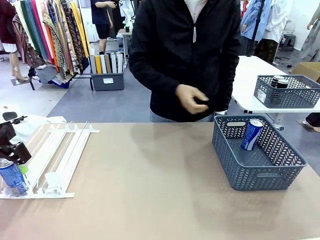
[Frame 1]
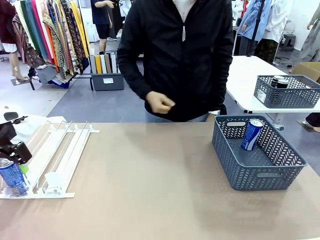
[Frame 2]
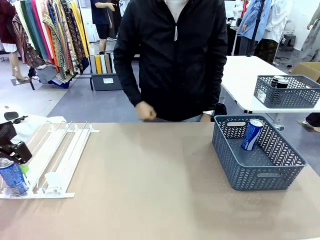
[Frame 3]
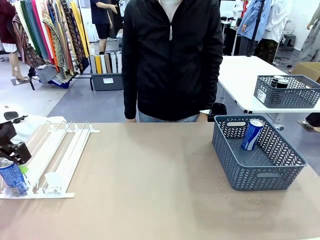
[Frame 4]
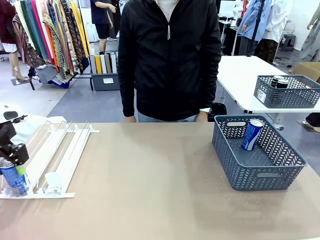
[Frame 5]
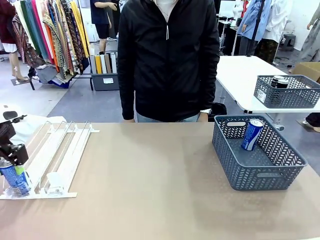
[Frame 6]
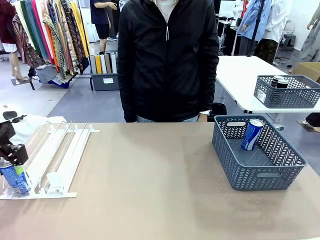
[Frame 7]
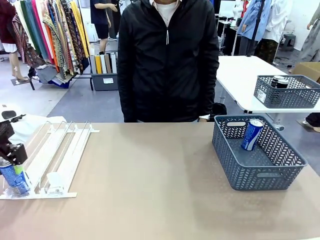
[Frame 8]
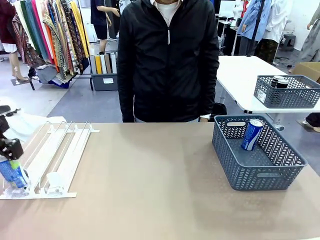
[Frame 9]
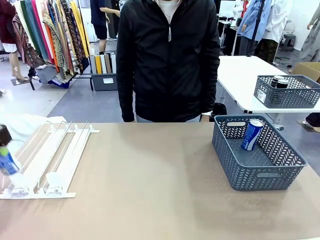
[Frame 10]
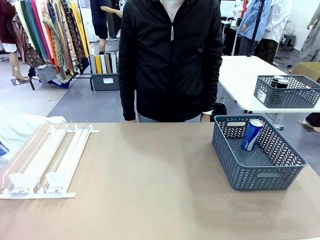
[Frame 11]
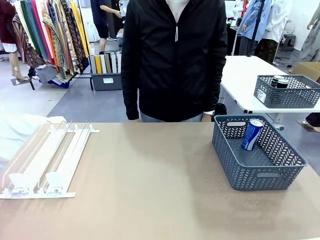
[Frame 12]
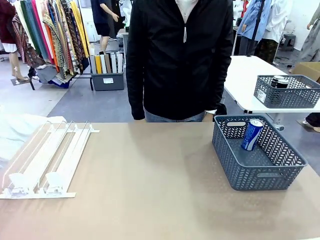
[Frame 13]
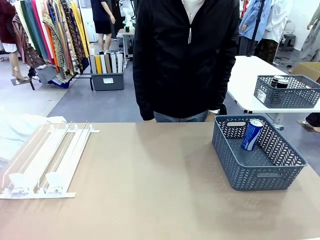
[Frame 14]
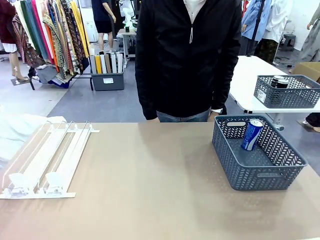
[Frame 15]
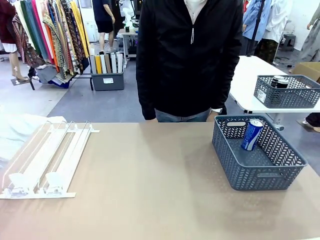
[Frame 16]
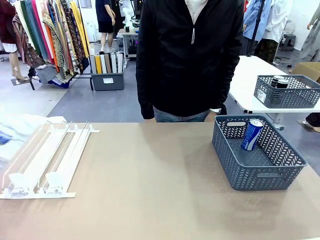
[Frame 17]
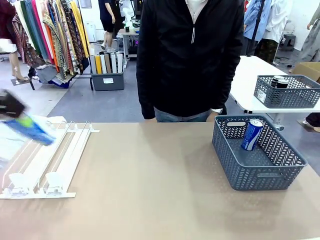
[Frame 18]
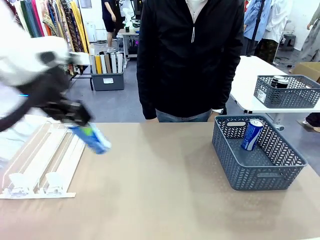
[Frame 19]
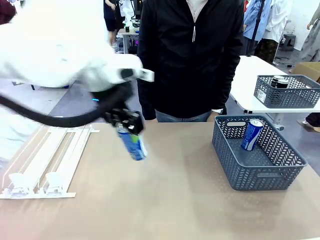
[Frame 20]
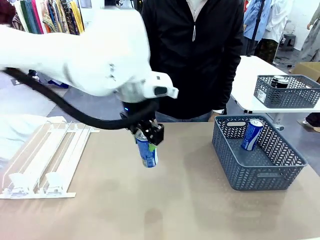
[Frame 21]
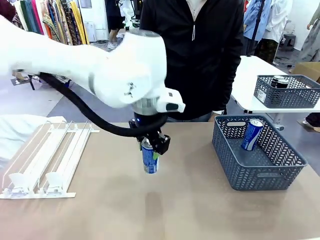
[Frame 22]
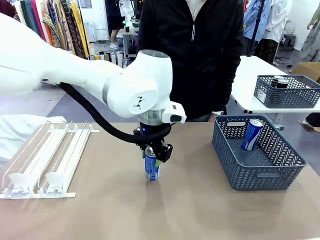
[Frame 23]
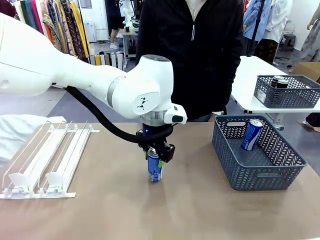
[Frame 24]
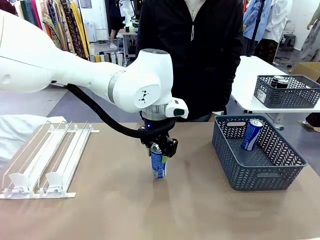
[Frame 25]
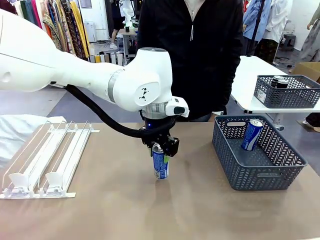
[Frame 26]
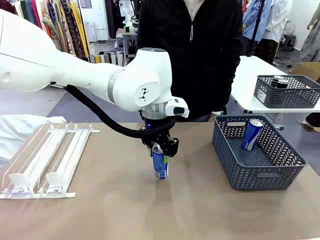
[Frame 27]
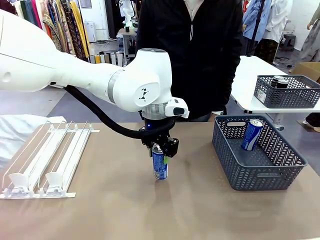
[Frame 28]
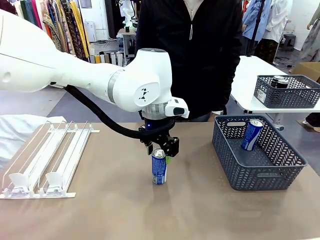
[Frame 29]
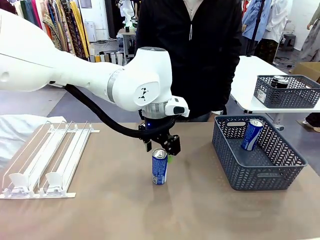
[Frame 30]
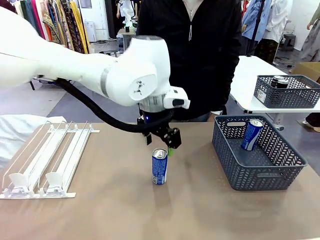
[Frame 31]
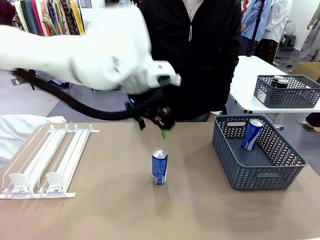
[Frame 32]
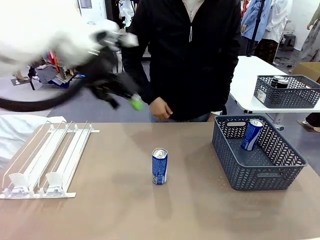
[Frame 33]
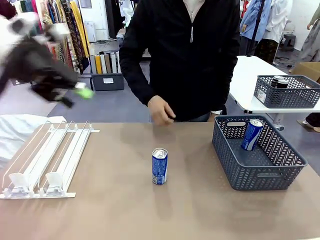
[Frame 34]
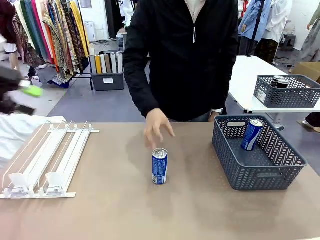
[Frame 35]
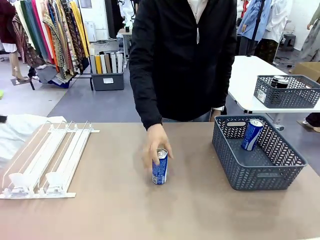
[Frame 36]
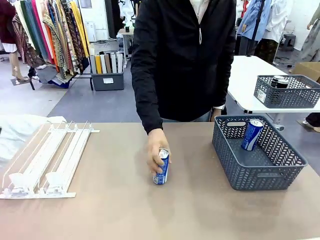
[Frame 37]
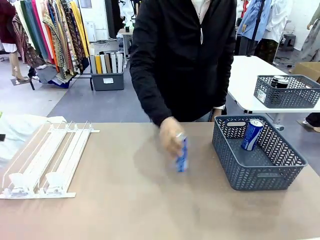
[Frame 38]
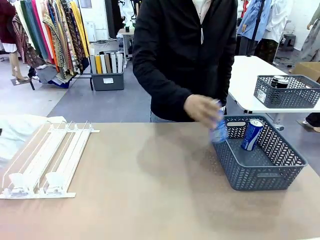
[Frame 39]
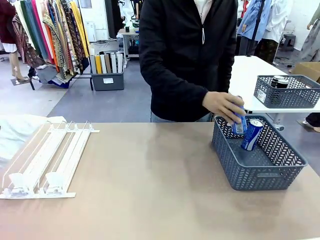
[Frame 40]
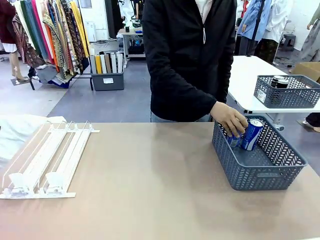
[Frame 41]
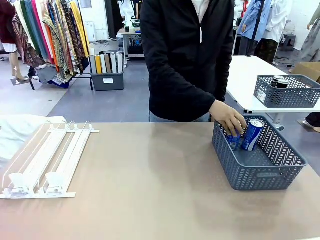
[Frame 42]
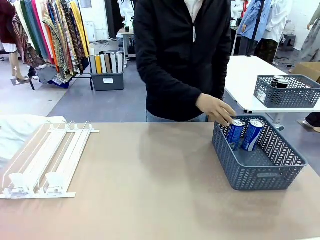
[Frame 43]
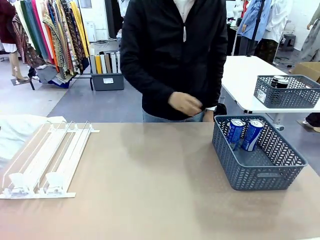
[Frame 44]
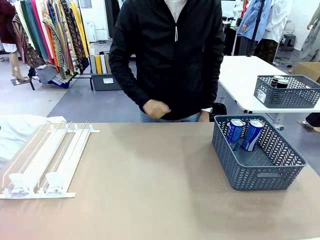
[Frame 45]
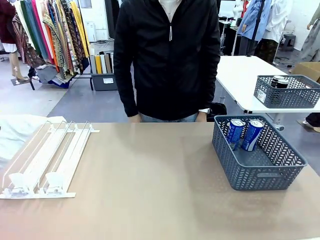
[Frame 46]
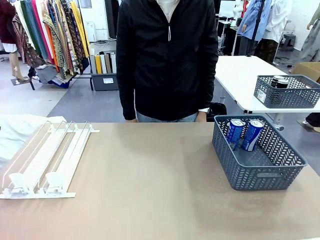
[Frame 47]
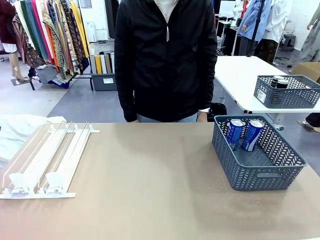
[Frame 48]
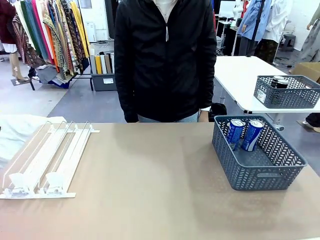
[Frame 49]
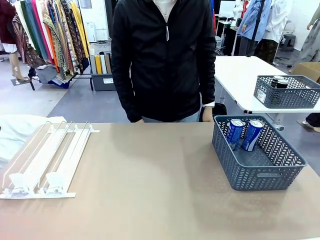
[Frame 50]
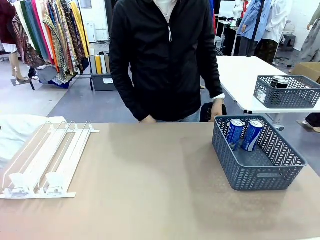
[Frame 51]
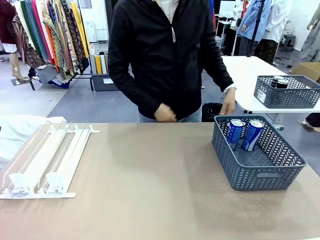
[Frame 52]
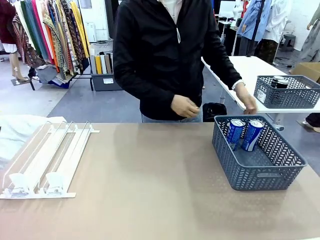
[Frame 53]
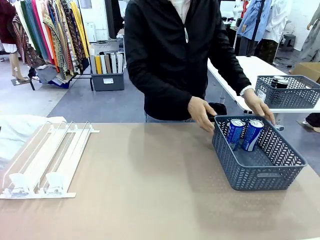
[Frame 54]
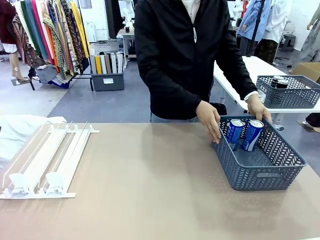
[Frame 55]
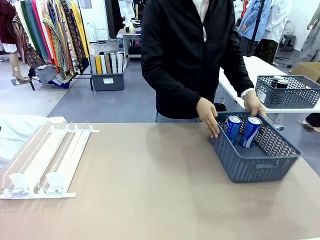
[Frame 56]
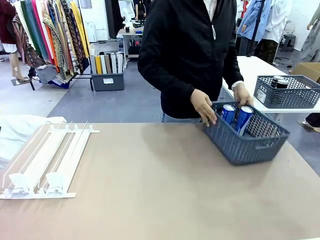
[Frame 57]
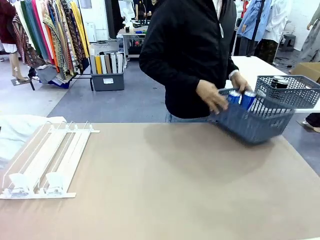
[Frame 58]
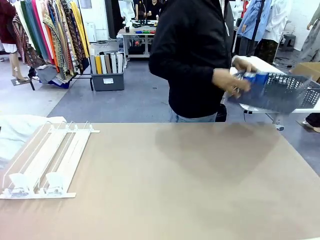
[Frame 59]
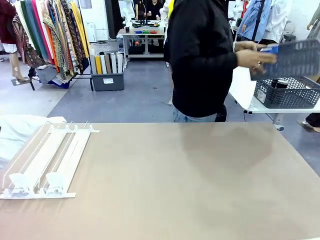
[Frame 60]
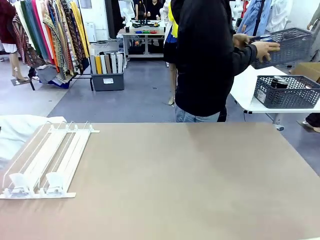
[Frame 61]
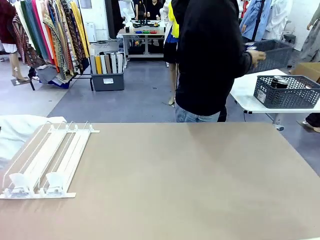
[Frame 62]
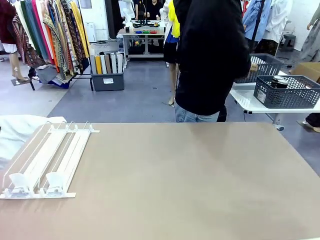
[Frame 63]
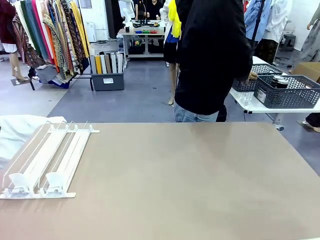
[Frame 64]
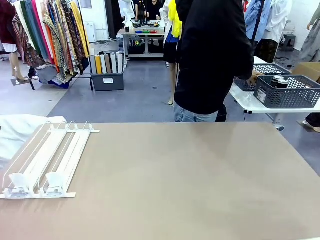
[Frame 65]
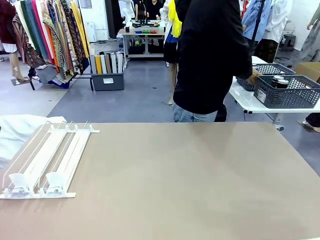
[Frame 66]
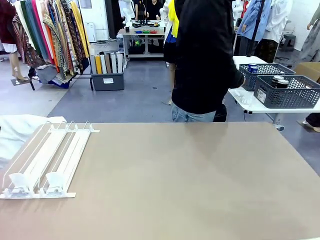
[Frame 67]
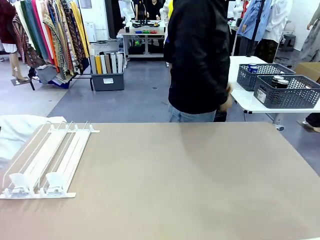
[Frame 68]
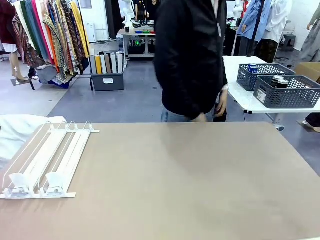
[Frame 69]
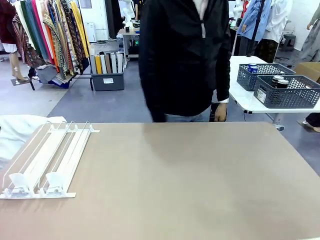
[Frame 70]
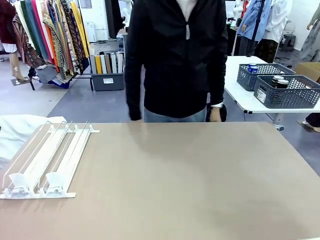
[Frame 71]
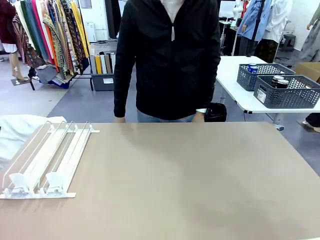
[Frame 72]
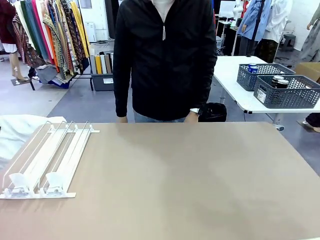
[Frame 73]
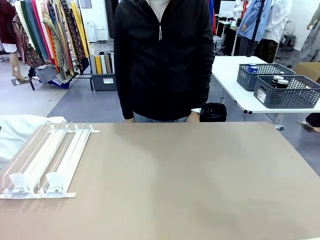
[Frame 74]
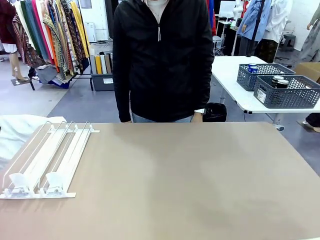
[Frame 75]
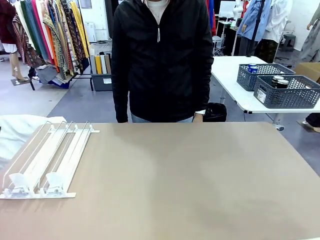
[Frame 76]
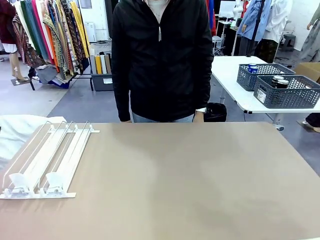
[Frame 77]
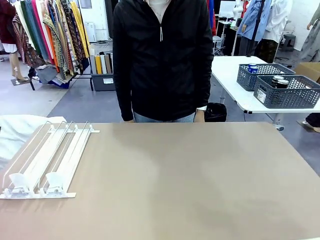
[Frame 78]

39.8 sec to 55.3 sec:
Task: Retrieve and store the cans from the dispenser.
Robot: Pick up one can from the Automatic Can Dispenser and place it in the middle of the table.
Person: Pick up one sports drink can from the middle of the robot table and place it in the basket. Pick up the basket and place it in the middle of the human table.

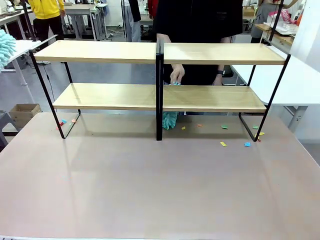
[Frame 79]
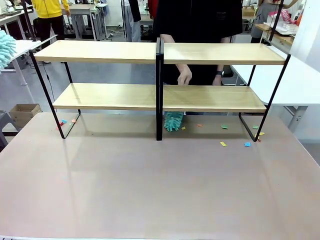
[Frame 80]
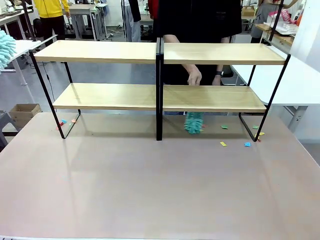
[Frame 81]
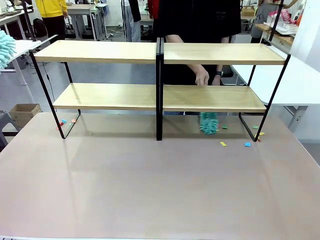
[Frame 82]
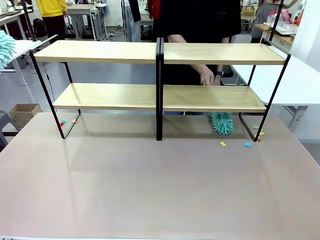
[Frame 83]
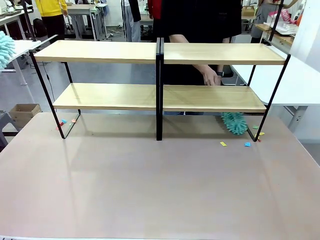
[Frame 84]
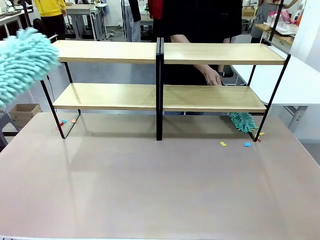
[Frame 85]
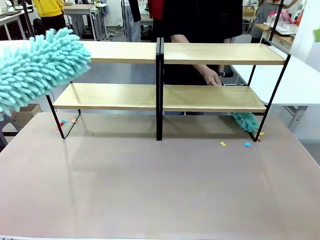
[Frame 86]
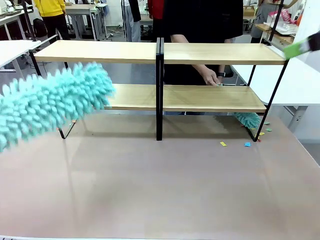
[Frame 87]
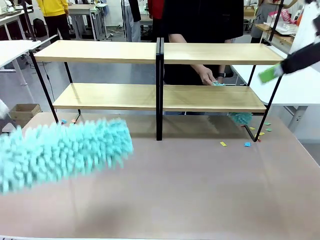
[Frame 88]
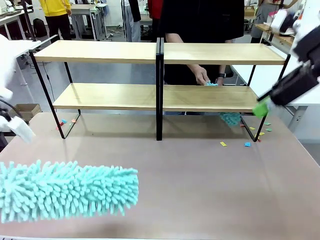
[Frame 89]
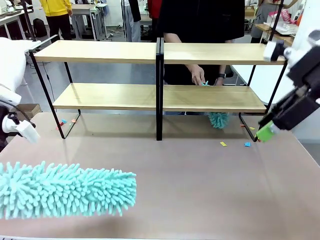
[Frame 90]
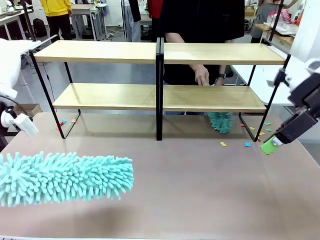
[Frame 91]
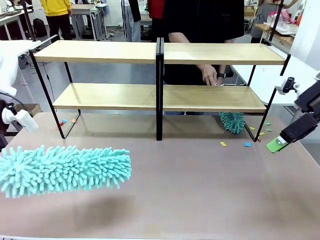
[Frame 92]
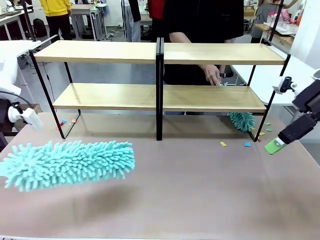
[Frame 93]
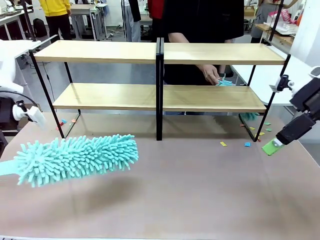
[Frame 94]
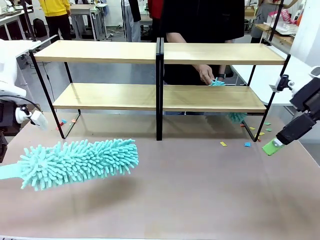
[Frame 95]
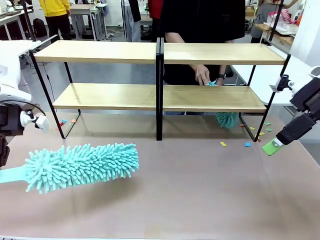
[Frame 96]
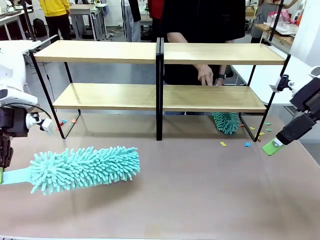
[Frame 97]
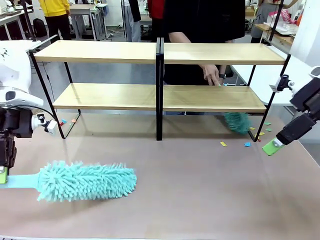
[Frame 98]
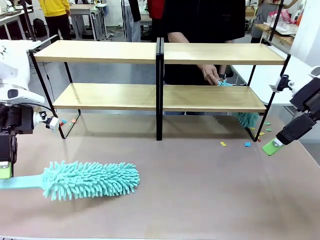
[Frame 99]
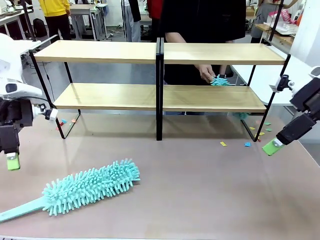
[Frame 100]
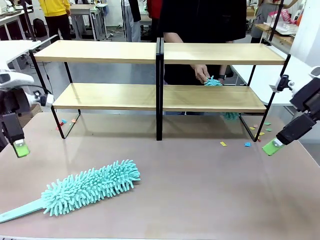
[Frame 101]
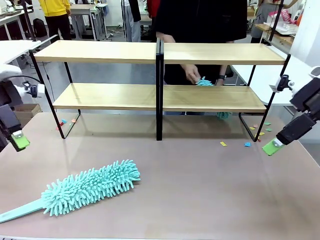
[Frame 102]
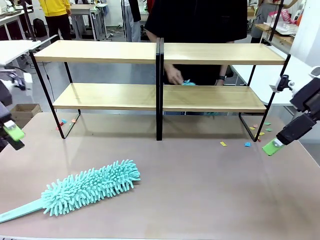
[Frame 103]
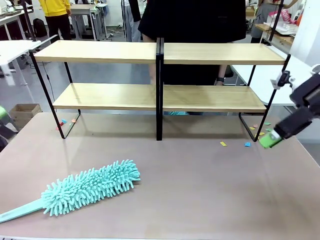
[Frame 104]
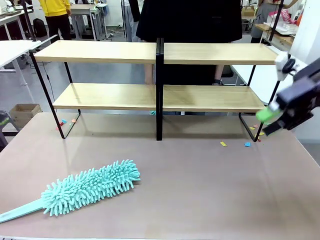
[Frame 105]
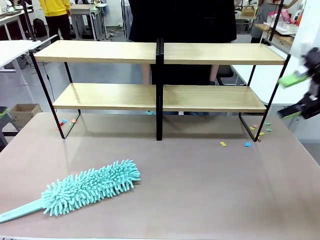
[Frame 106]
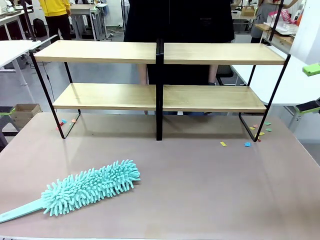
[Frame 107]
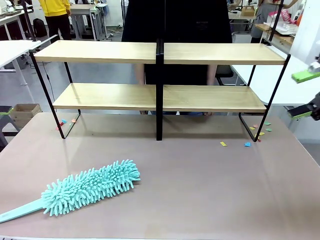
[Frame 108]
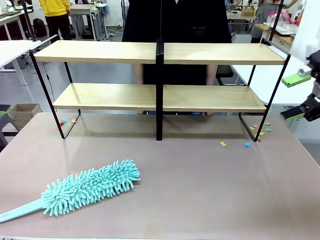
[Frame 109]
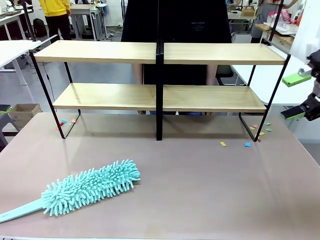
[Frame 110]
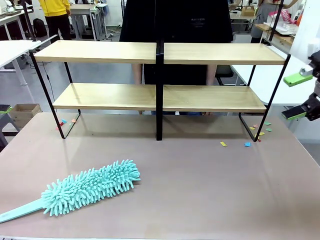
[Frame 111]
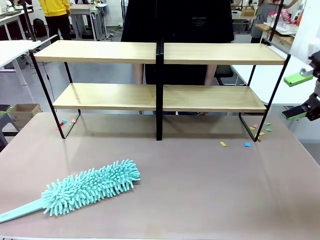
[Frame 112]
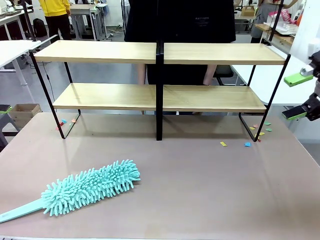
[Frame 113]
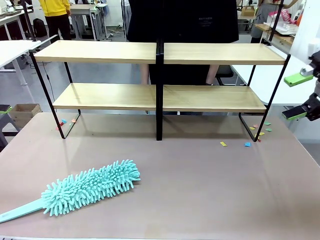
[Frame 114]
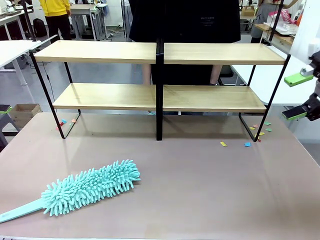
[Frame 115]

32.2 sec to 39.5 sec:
Task: Clean the shelves.
Robot: Place the Duster on the table.
